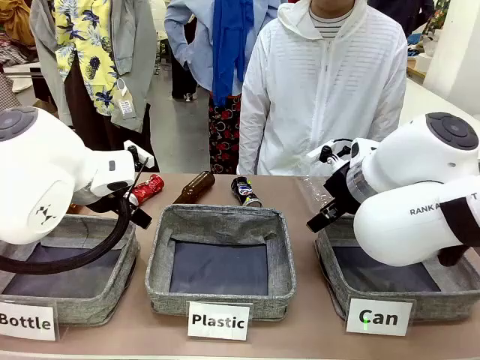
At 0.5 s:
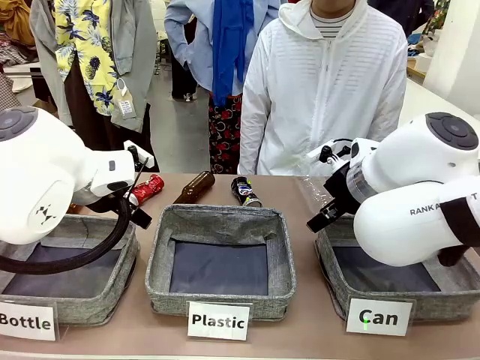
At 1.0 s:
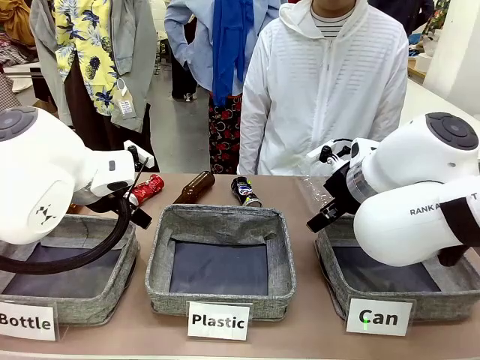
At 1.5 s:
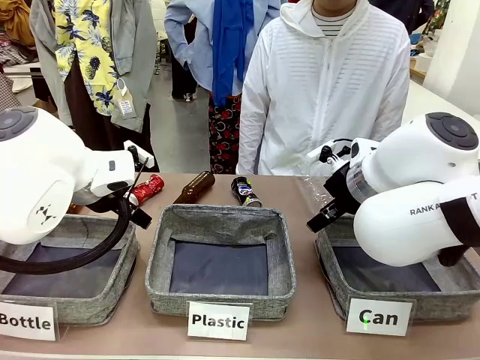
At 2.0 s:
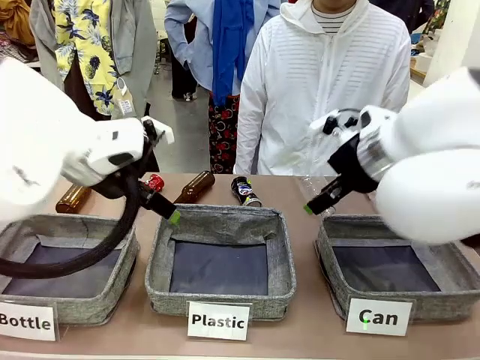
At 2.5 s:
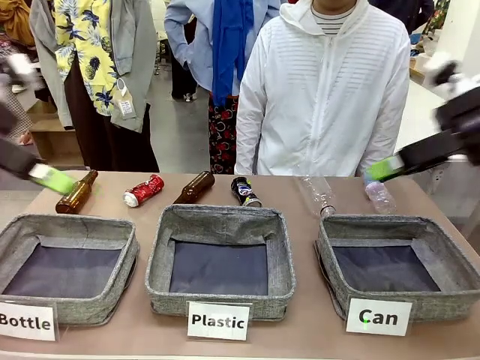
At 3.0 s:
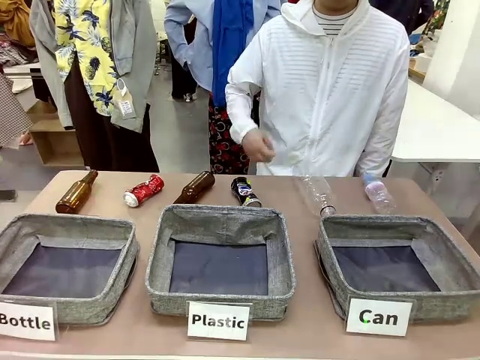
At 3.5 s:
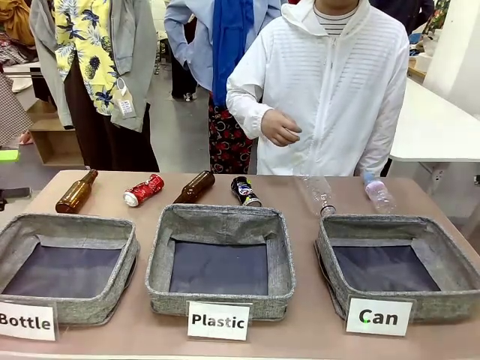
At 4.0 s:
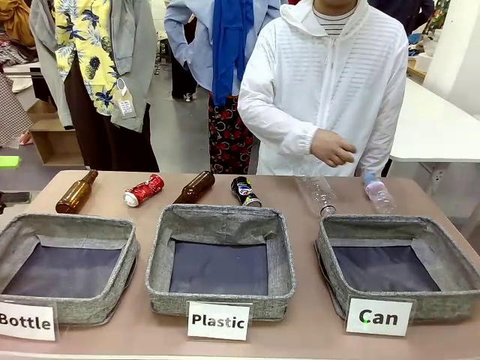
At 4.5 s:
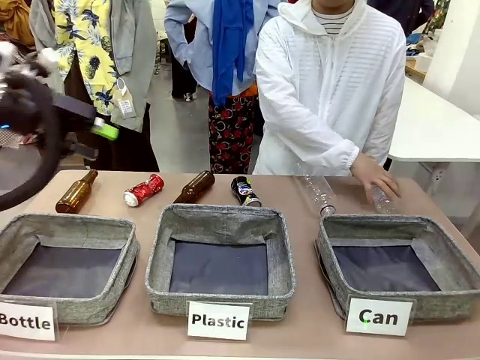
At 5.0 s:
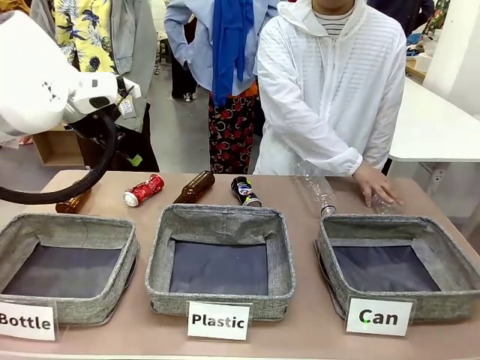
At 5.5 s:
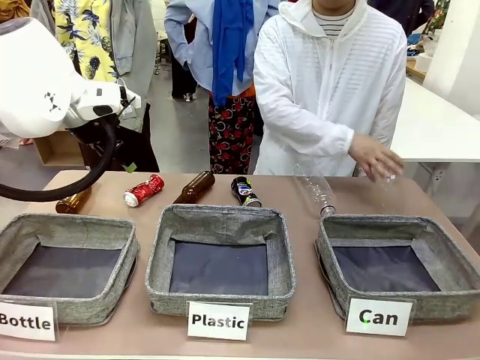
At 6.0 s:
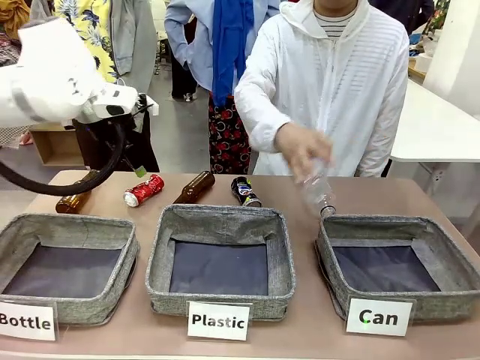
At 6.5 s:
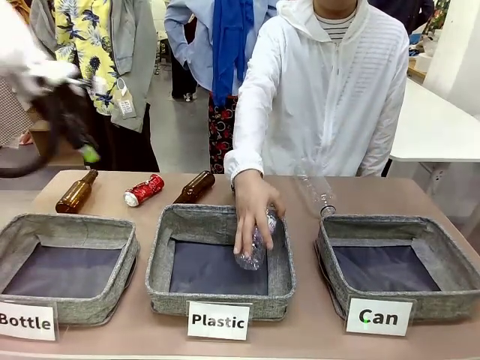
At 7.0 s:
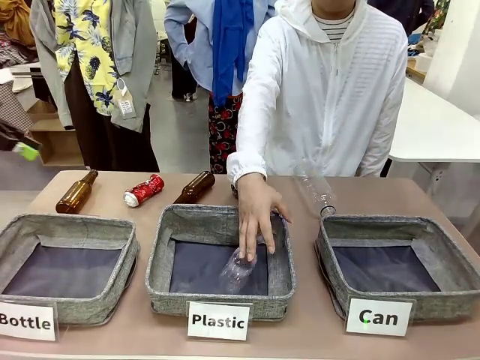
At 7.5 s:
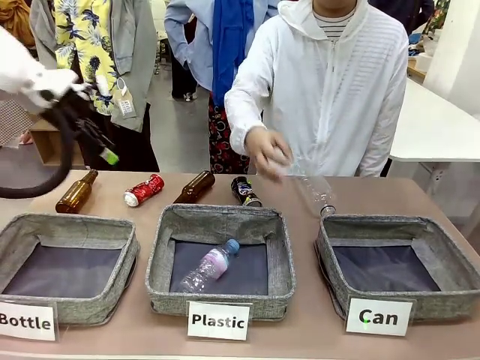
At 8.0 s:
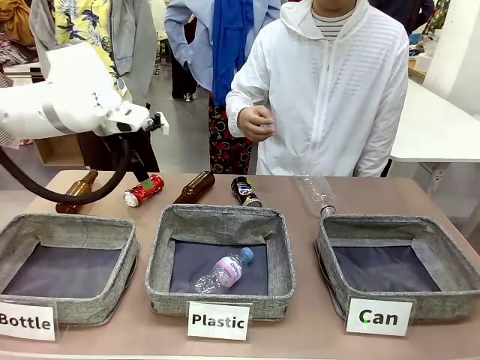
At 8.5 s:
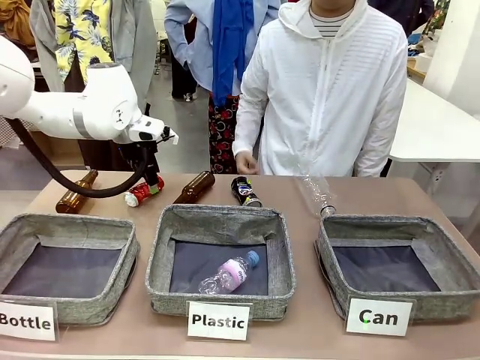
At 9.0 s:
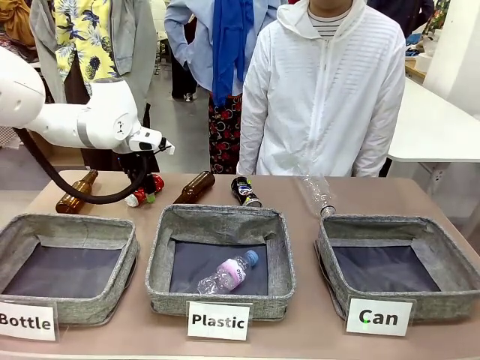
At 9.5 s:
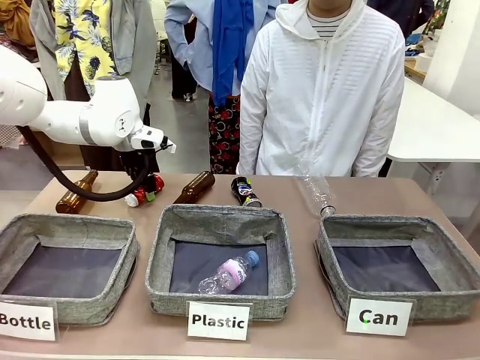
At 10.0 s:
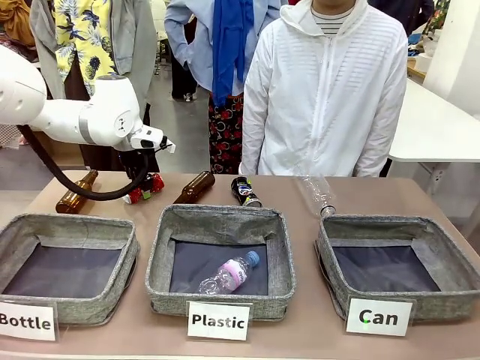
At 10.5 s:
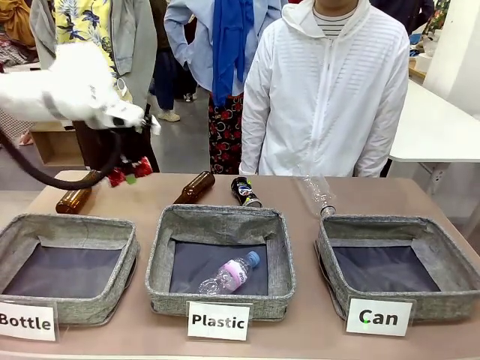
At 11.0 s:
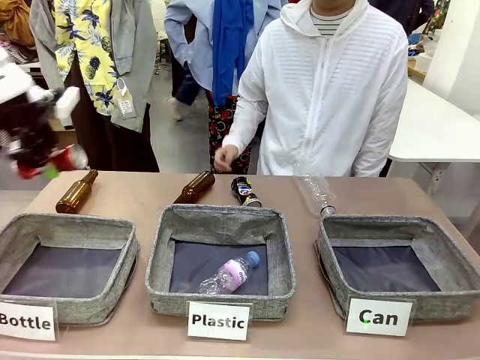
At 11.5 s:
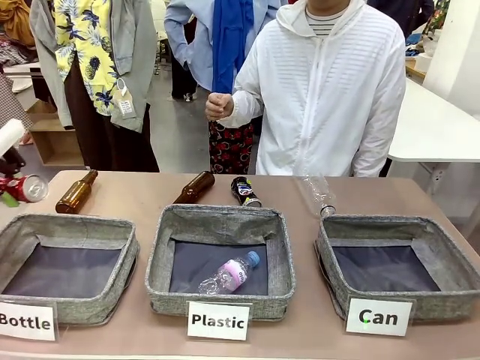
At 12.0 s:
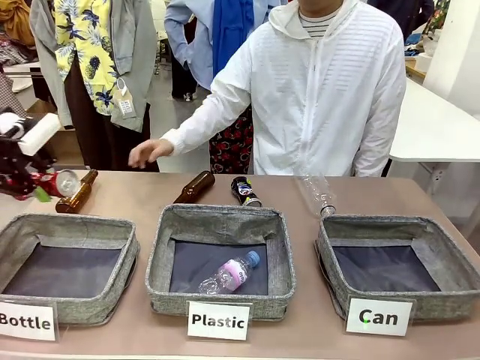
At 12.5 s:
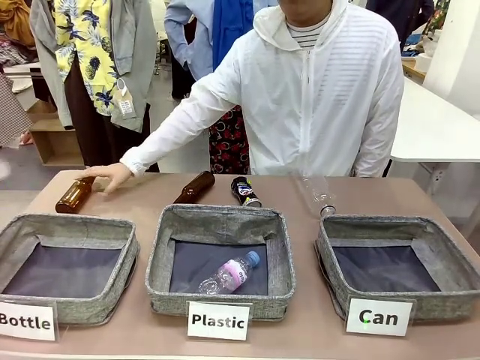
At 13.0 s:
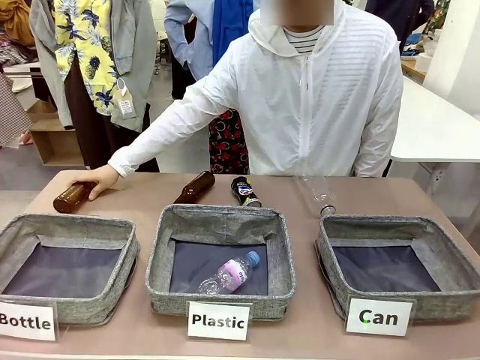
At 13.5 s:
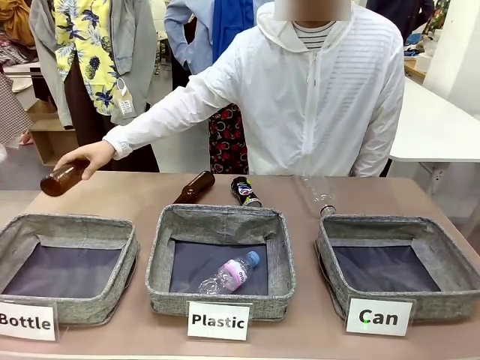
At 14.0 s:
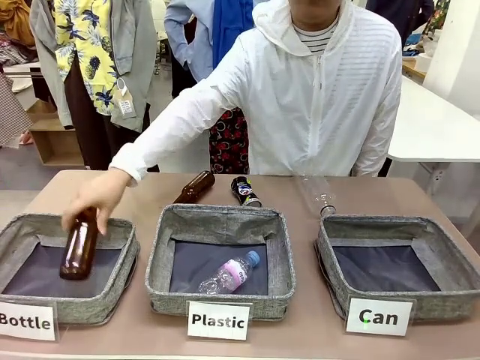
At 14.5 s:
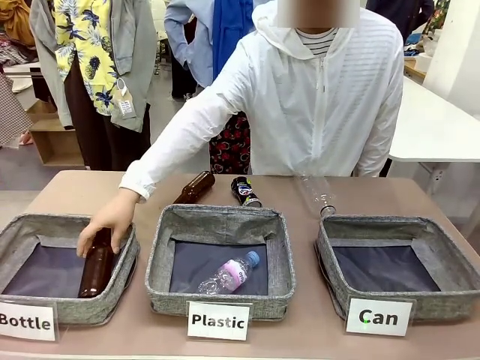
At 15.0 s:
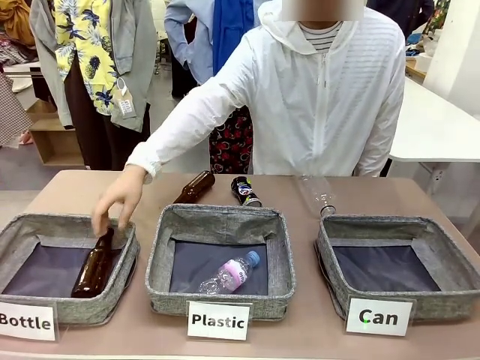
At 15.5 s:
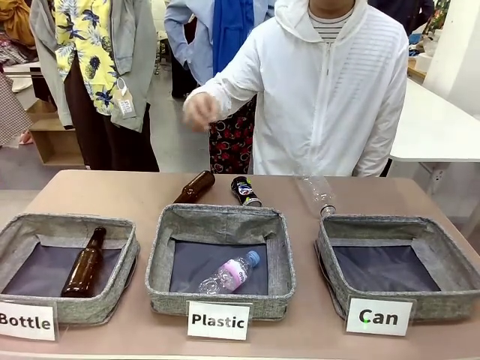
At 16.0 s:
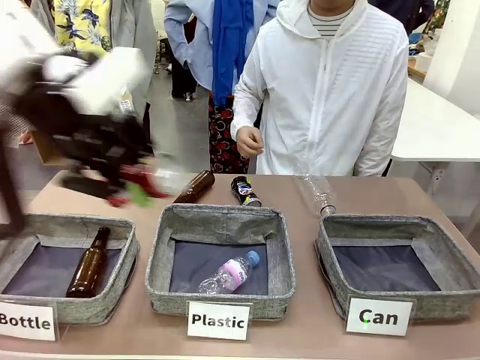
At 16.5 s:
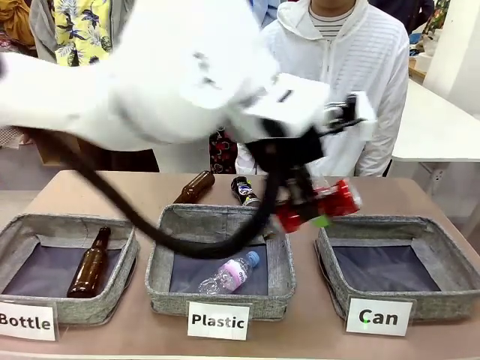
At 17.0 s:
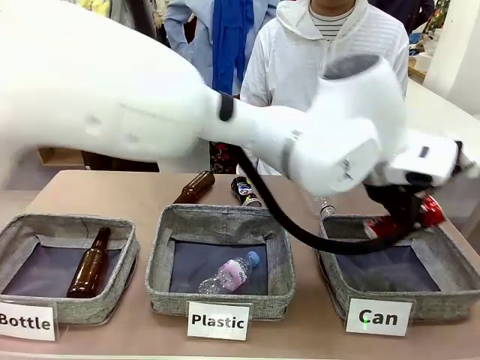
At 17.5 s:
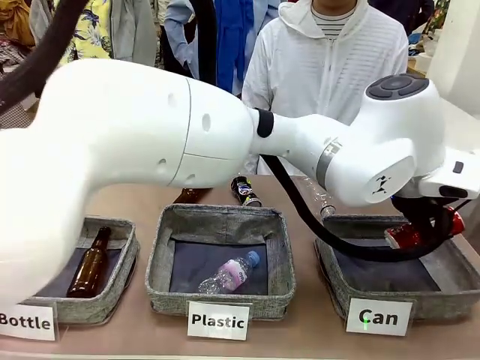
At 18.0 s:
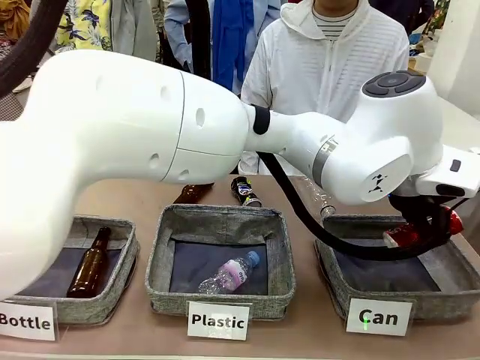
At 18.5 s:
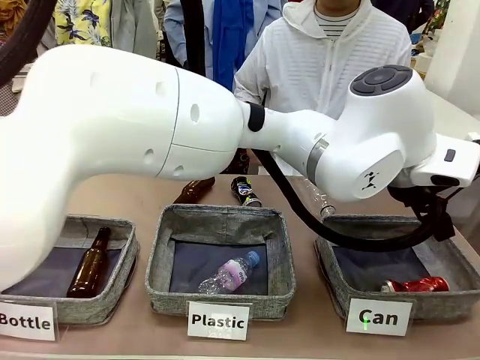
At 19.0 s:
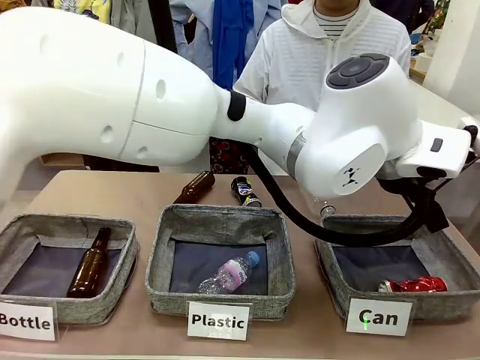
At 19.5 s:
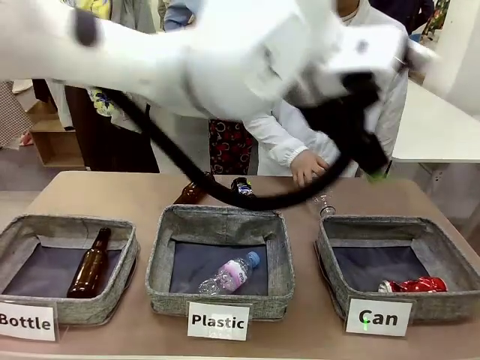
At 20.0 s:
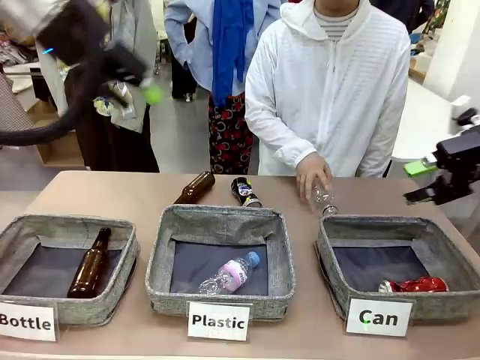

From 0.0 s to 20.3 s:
Task: Sort the can waste into the basket.
Robot: Pick up the can waste from the table and place it in the right Fabric basket.
